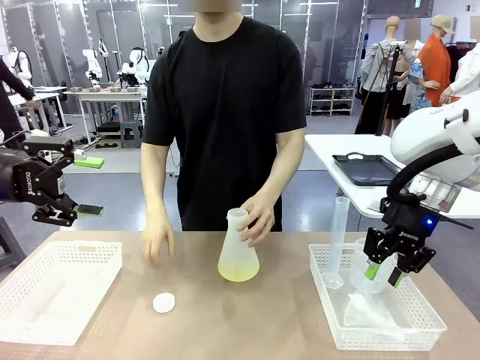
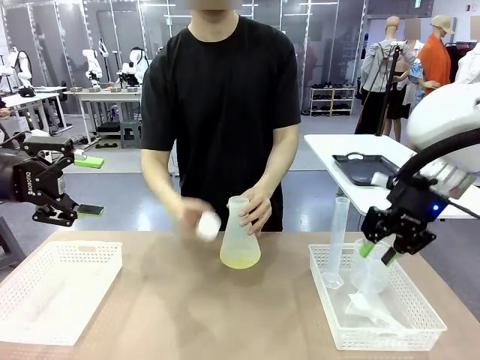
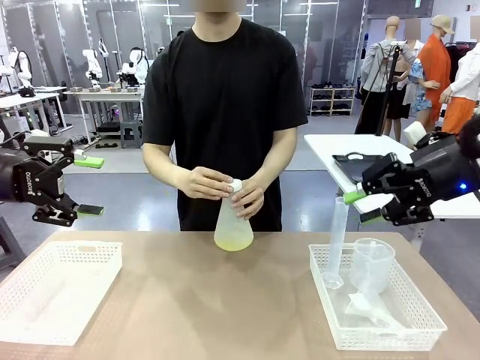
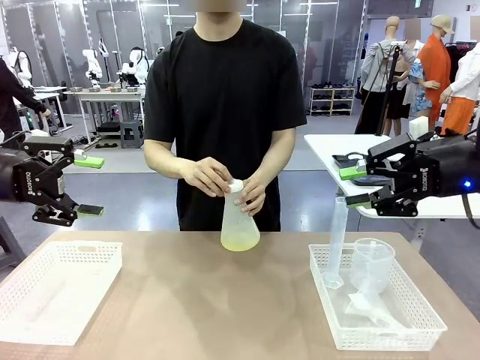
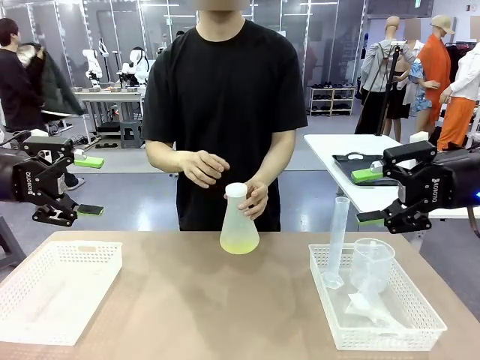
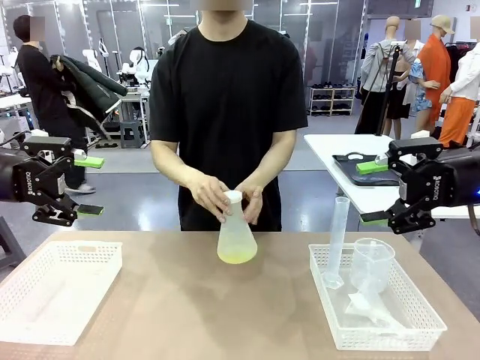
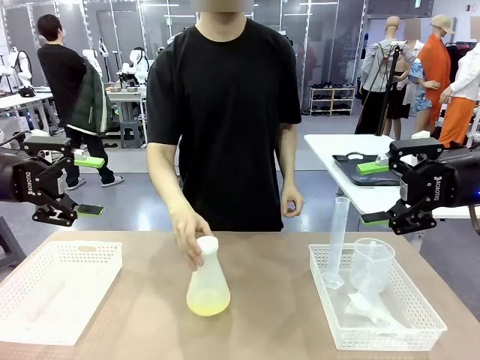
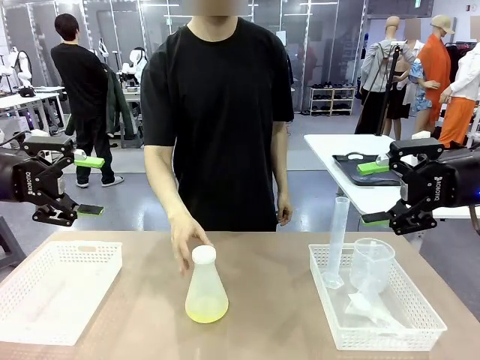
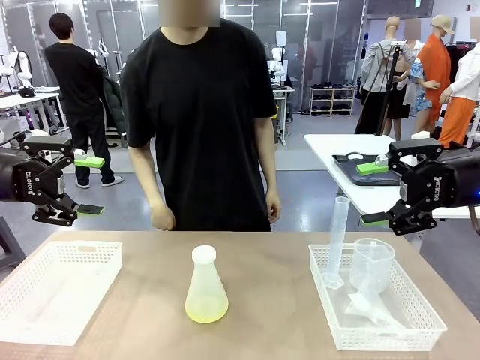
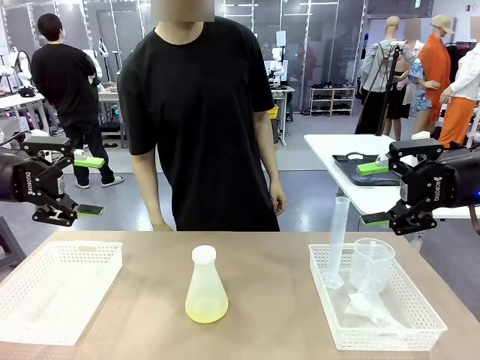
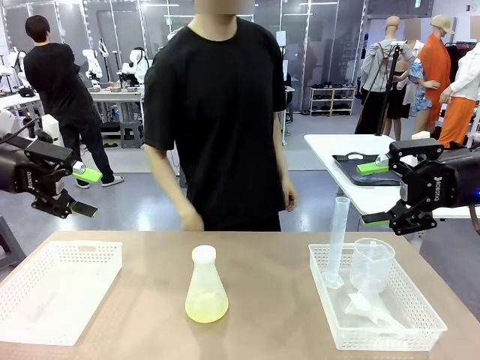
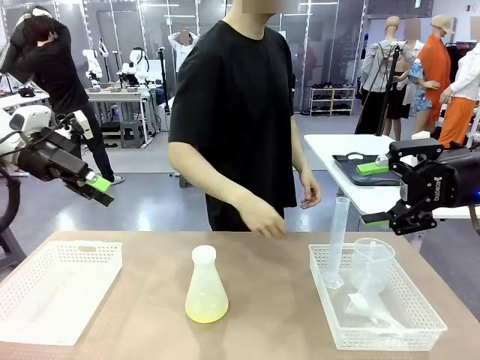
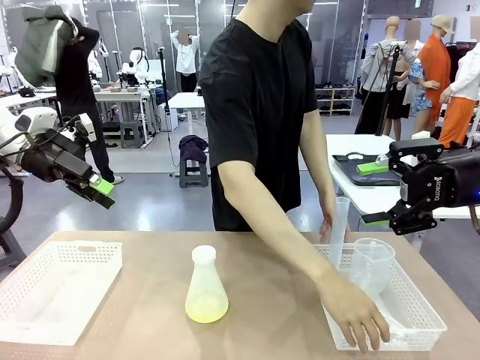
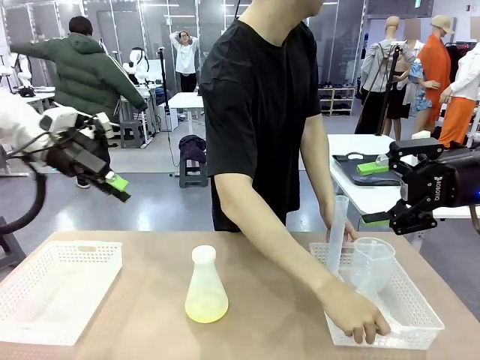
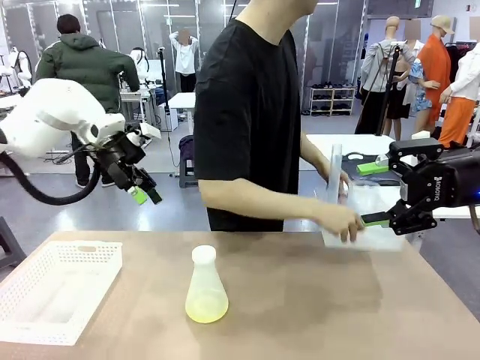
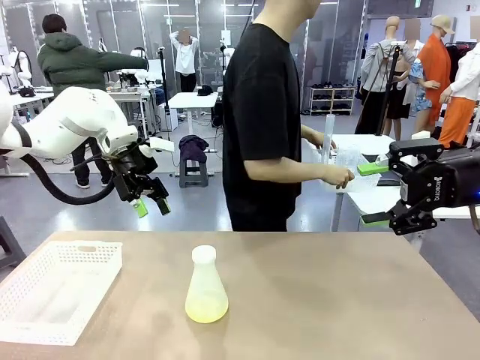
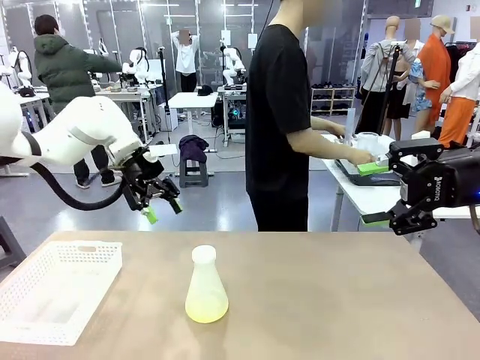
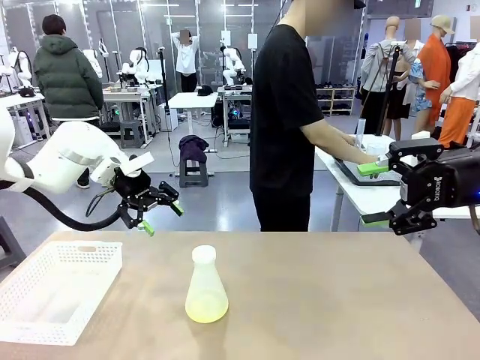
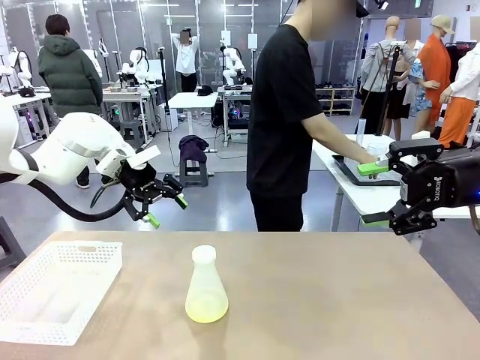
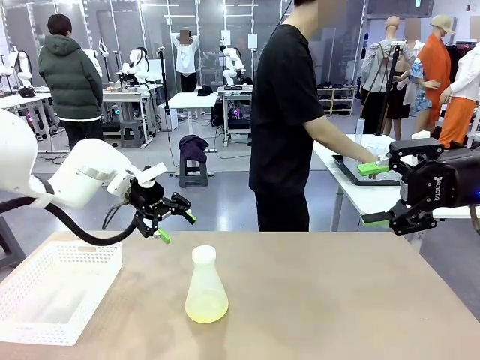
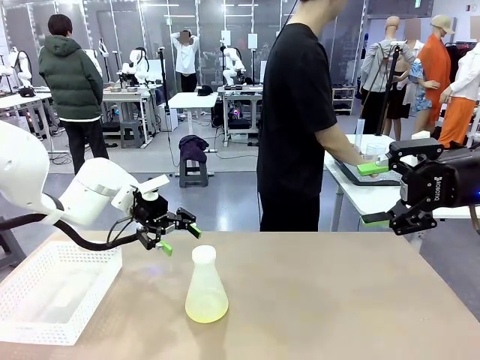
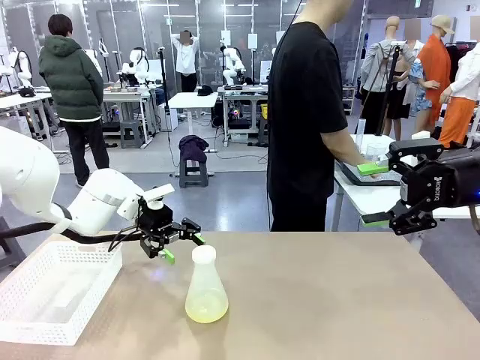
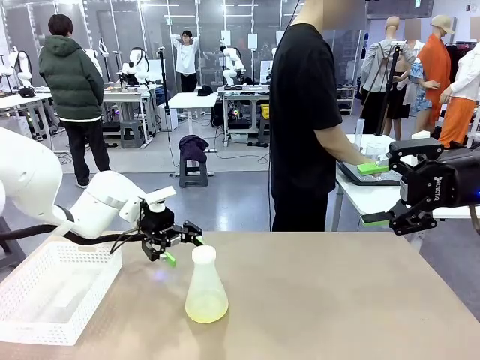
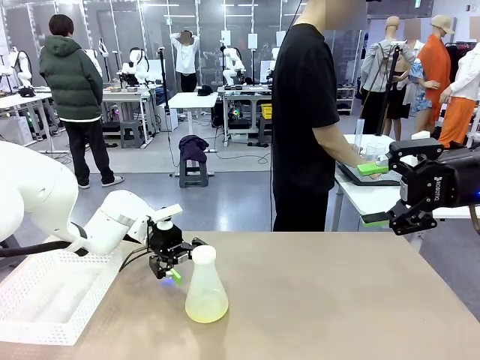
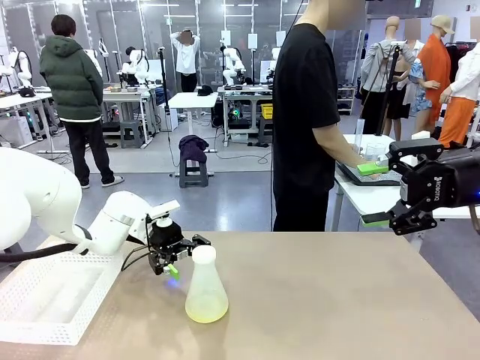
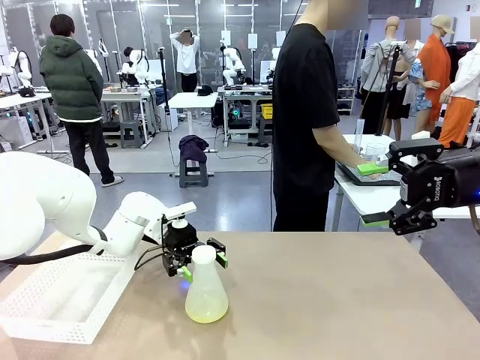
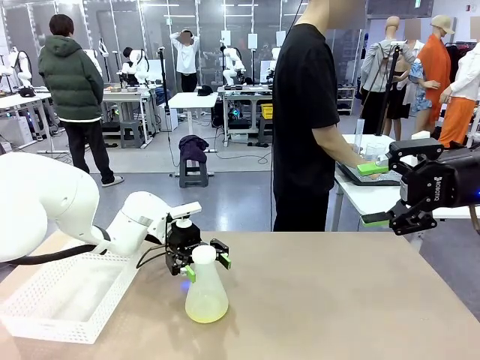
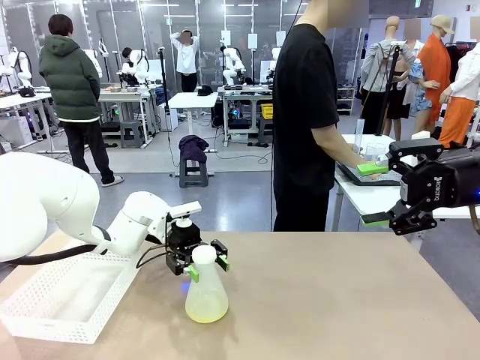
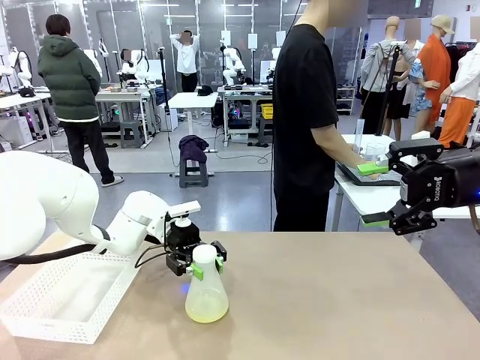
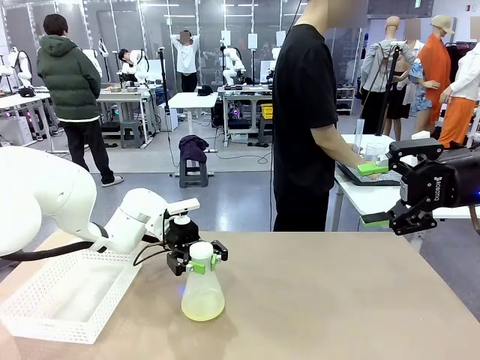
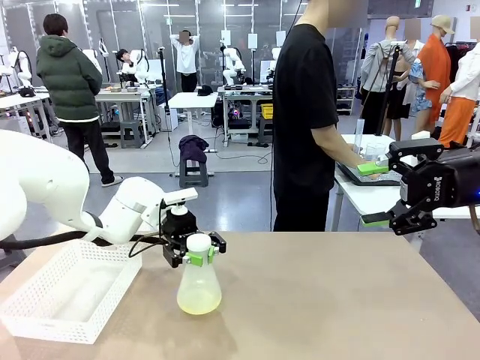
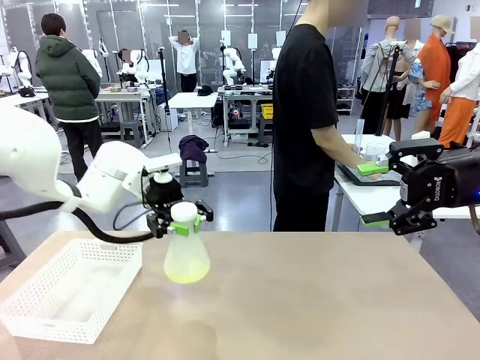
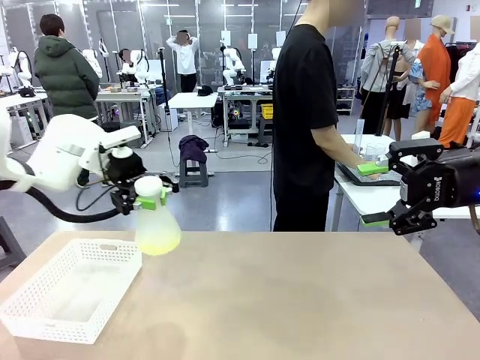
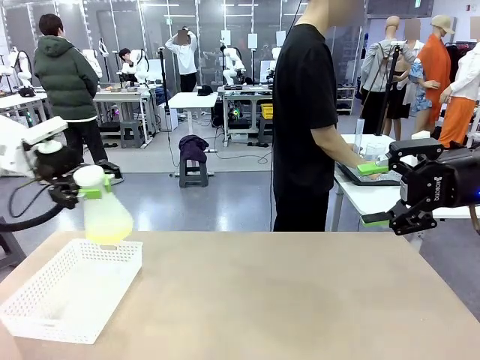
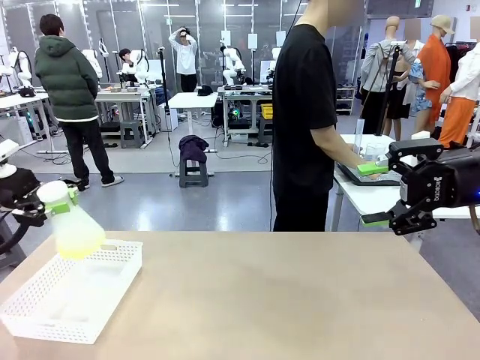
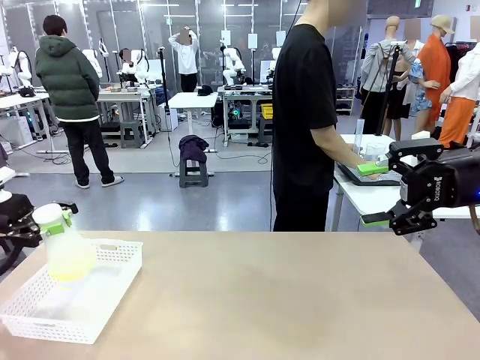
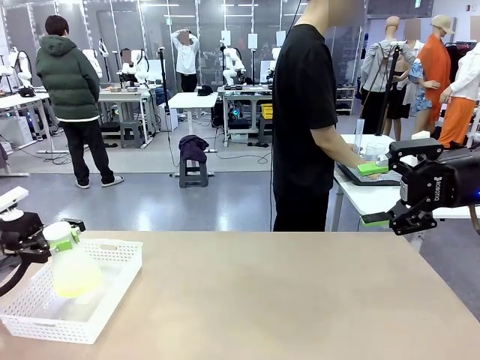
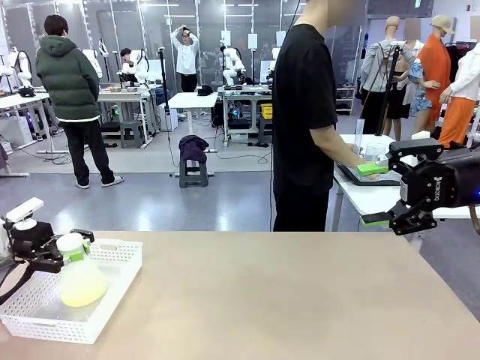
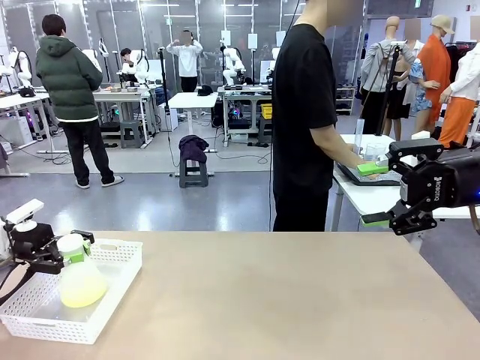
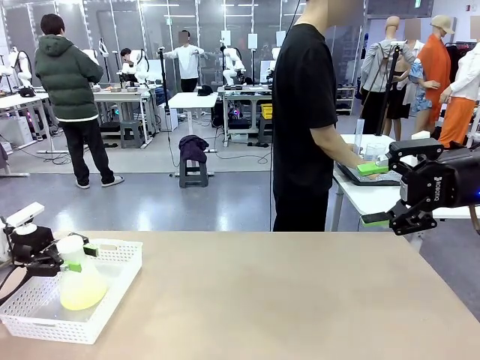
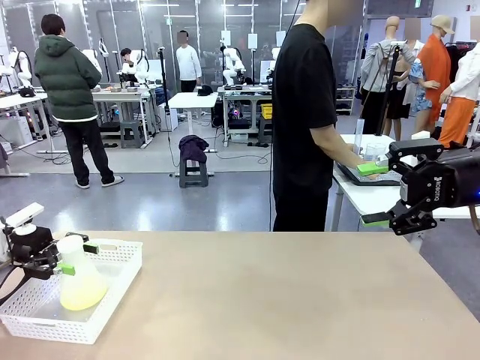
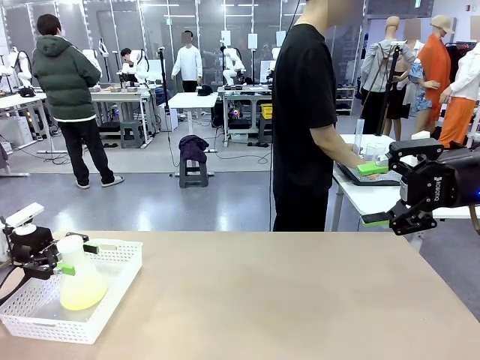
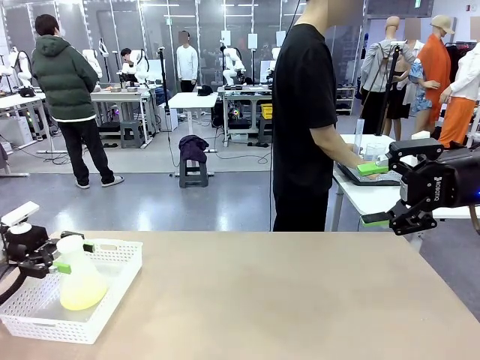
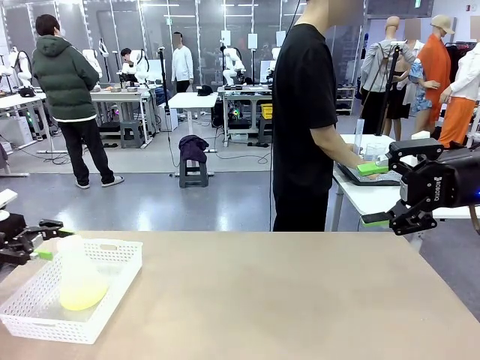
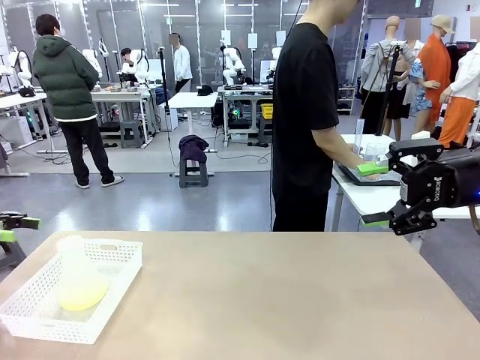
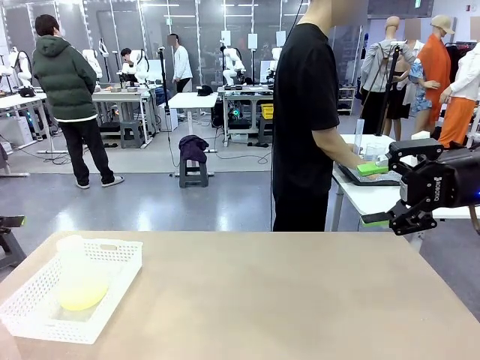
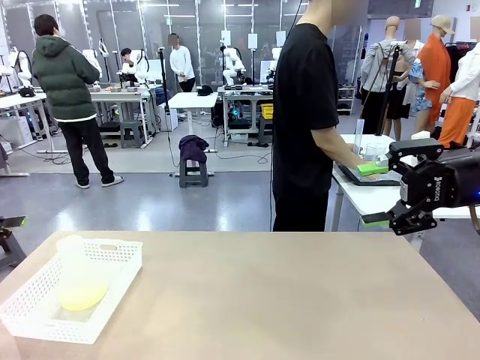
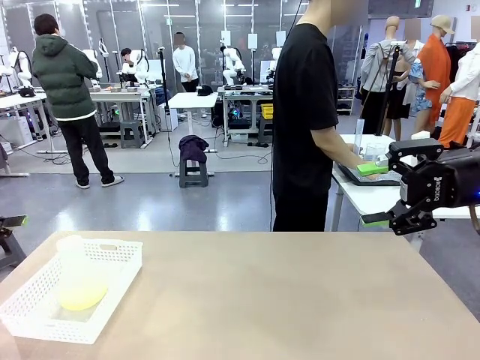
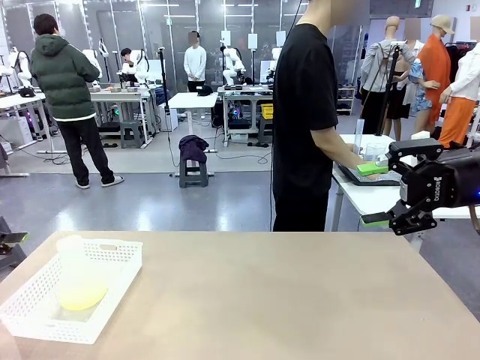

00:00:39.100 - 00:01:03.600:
Task: Prepare the solutions needed for the experiment.
Robot: When the human places the Big flask in the center of the table, pick up the Big flask and place it in the left Organizing basket.
Person: Pick up the organizing basket on the left side of the robot table and place it on the left side of the human table.
